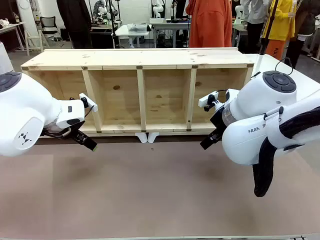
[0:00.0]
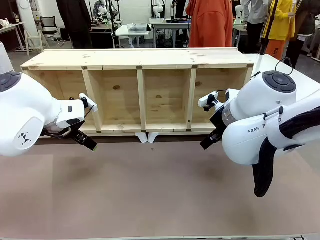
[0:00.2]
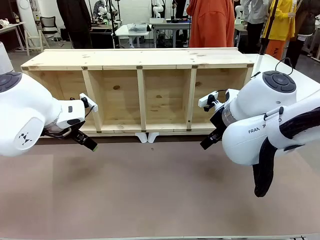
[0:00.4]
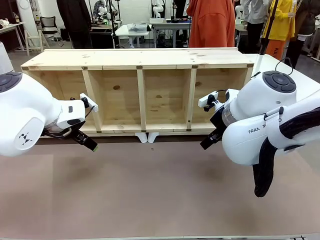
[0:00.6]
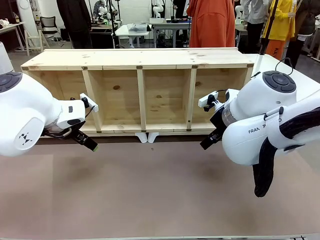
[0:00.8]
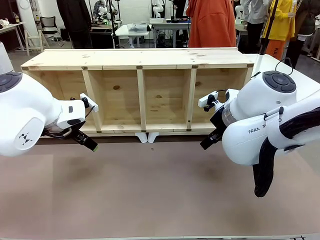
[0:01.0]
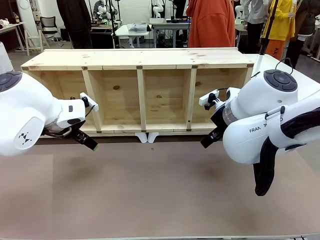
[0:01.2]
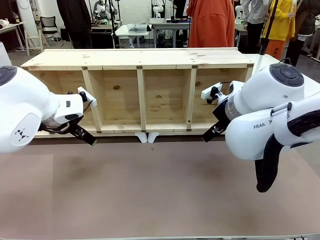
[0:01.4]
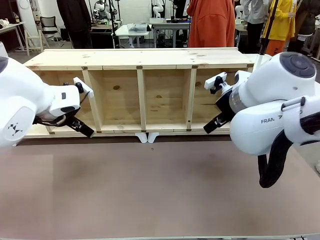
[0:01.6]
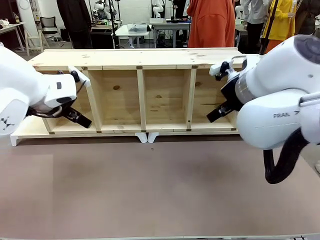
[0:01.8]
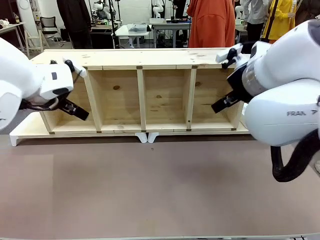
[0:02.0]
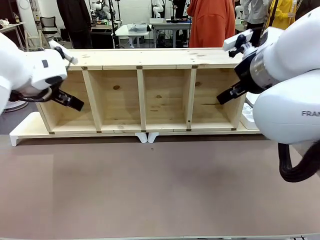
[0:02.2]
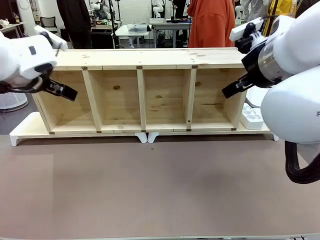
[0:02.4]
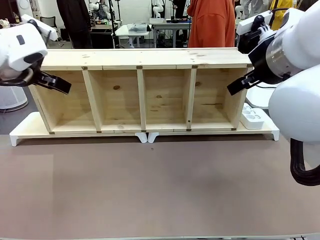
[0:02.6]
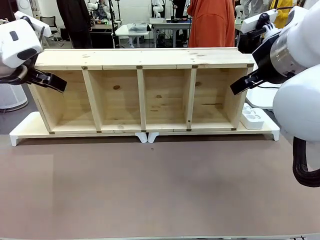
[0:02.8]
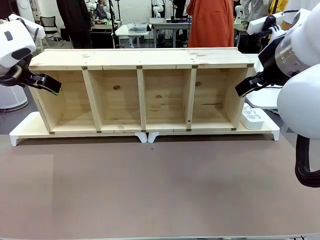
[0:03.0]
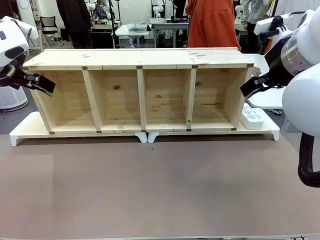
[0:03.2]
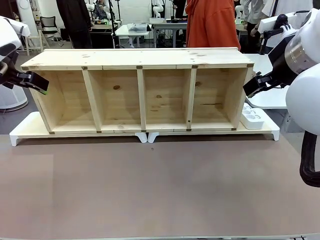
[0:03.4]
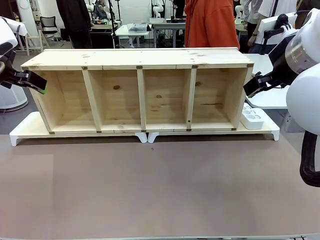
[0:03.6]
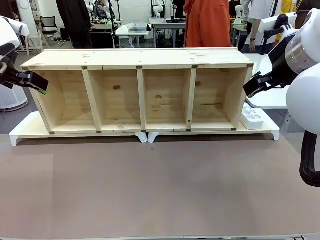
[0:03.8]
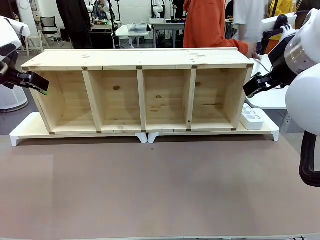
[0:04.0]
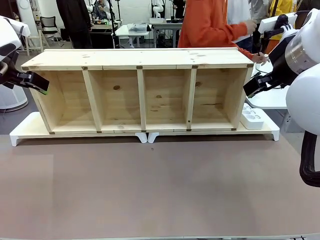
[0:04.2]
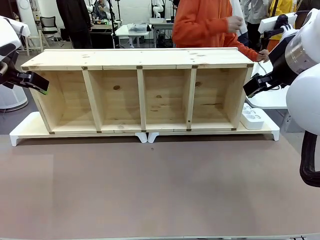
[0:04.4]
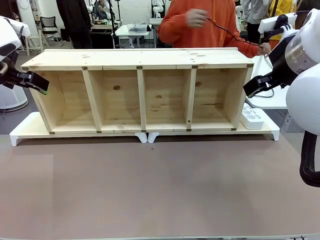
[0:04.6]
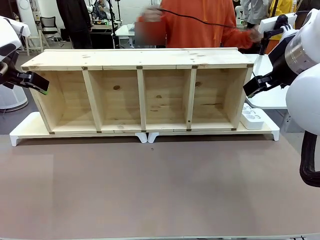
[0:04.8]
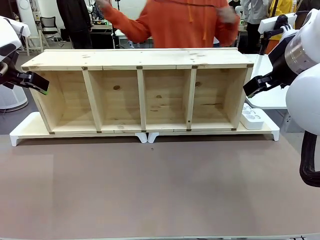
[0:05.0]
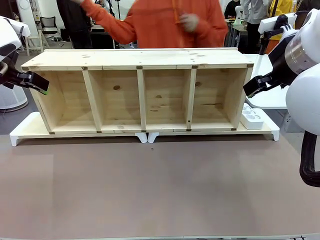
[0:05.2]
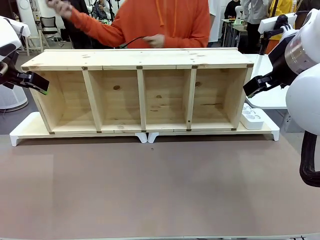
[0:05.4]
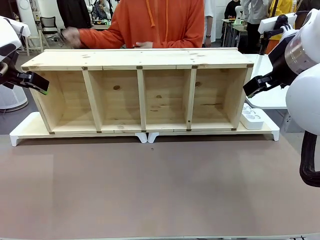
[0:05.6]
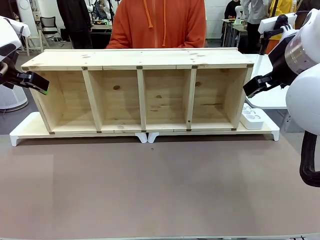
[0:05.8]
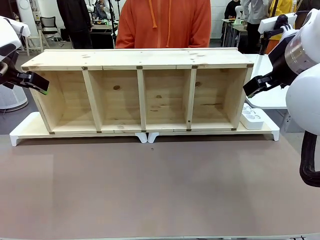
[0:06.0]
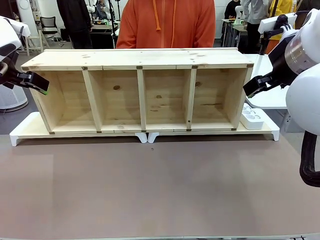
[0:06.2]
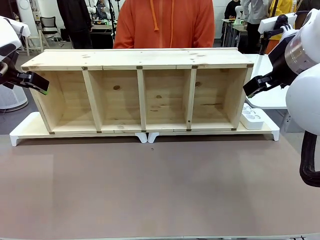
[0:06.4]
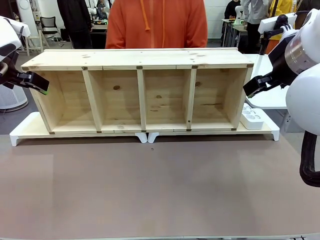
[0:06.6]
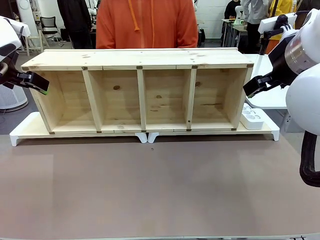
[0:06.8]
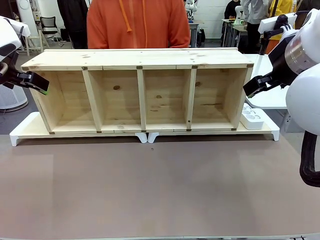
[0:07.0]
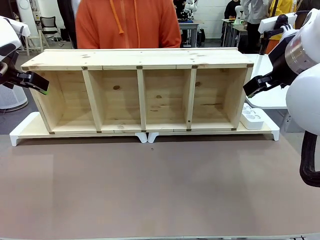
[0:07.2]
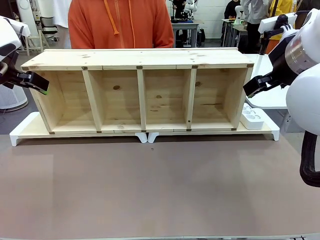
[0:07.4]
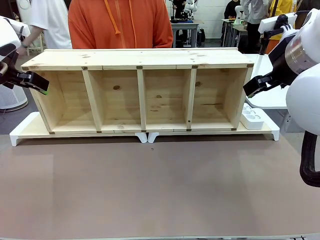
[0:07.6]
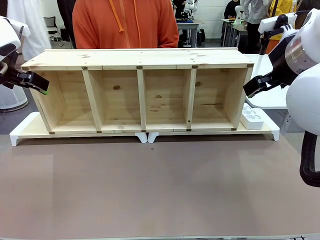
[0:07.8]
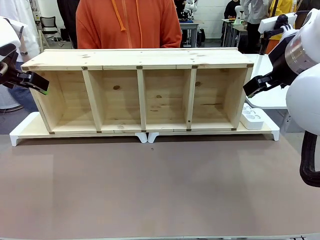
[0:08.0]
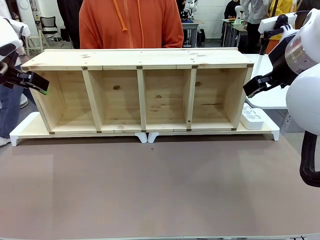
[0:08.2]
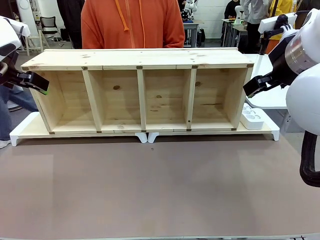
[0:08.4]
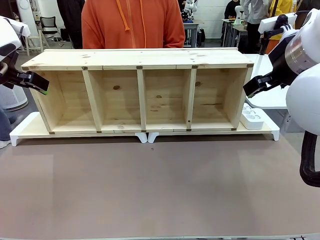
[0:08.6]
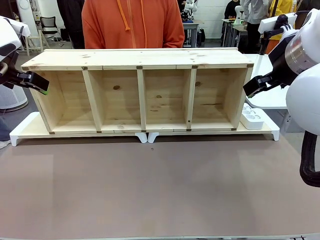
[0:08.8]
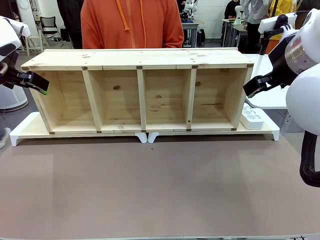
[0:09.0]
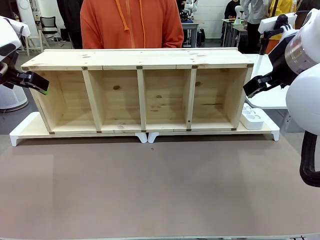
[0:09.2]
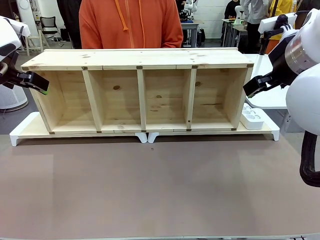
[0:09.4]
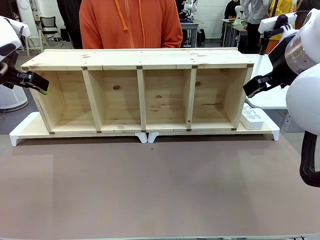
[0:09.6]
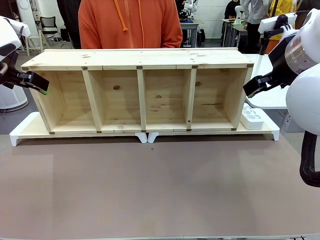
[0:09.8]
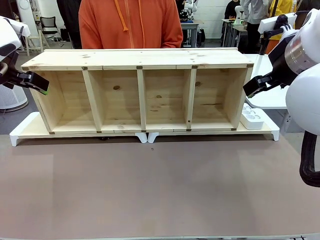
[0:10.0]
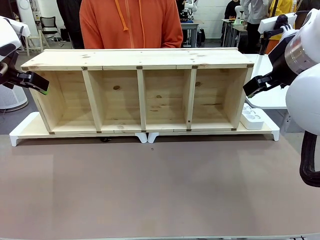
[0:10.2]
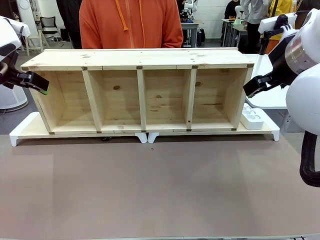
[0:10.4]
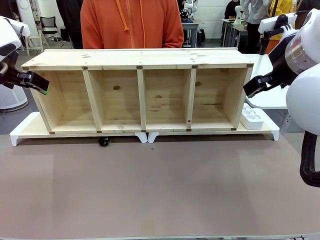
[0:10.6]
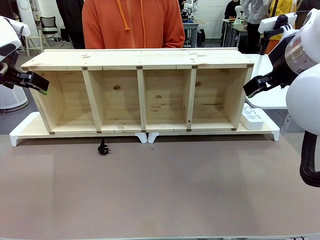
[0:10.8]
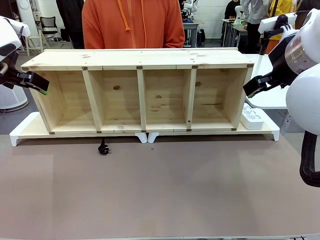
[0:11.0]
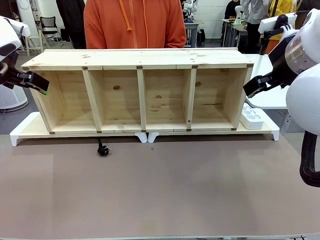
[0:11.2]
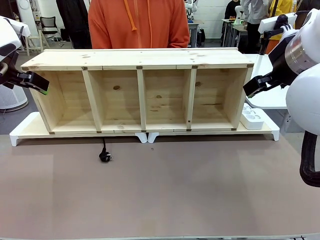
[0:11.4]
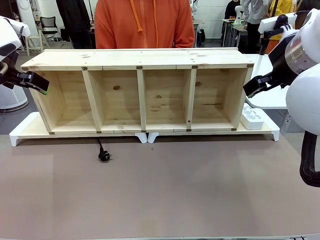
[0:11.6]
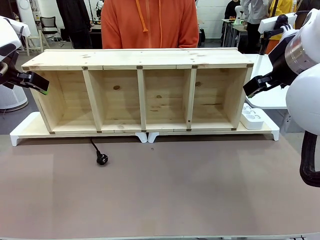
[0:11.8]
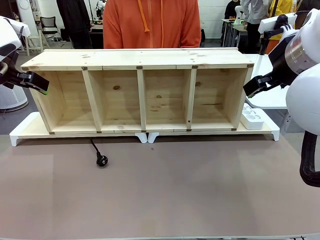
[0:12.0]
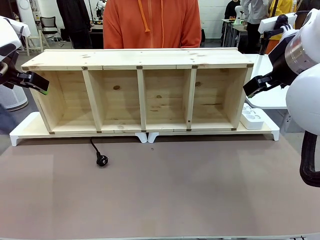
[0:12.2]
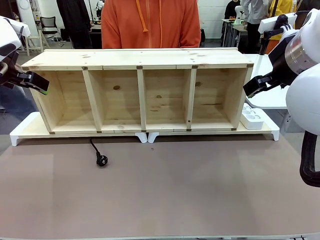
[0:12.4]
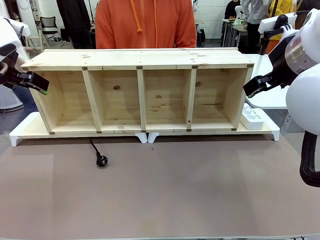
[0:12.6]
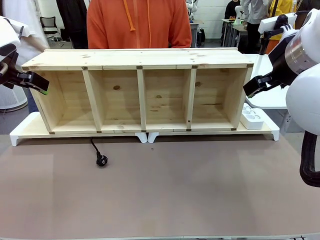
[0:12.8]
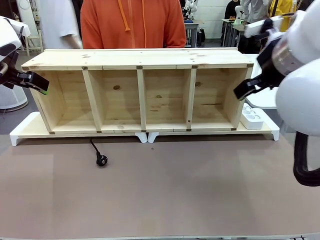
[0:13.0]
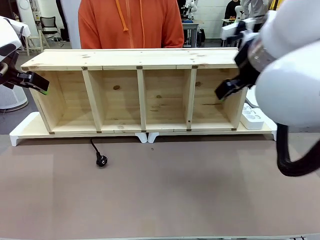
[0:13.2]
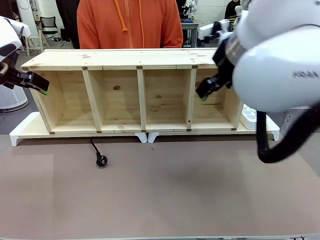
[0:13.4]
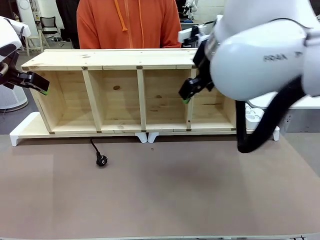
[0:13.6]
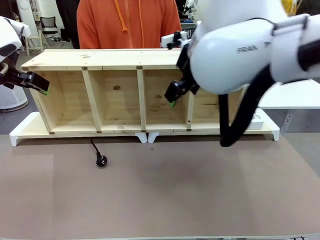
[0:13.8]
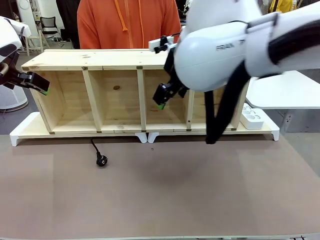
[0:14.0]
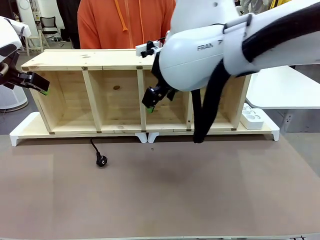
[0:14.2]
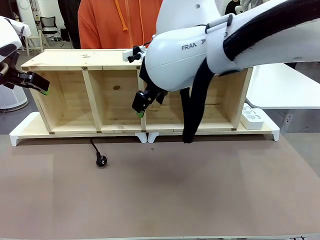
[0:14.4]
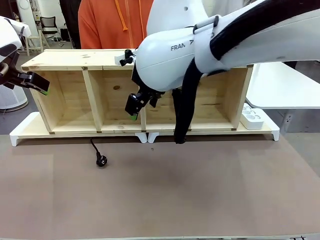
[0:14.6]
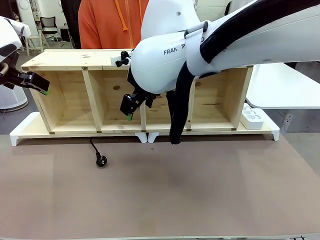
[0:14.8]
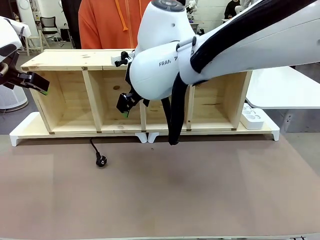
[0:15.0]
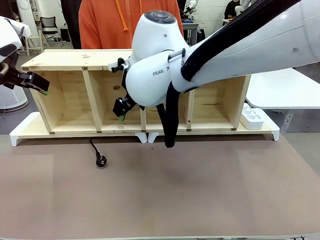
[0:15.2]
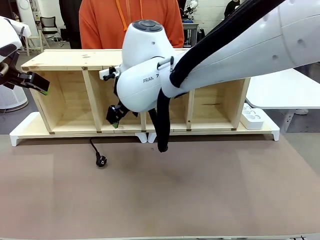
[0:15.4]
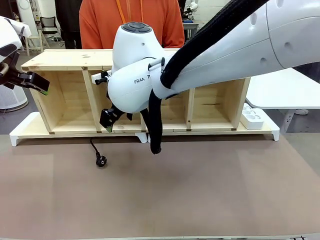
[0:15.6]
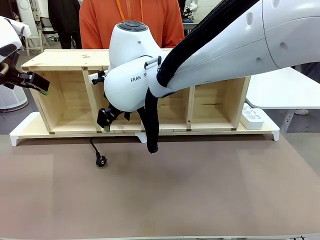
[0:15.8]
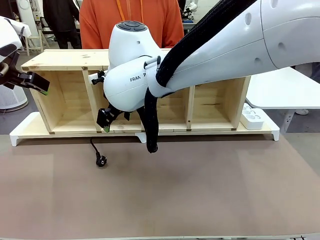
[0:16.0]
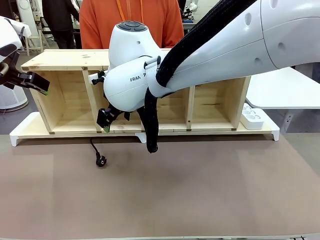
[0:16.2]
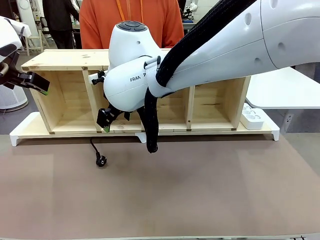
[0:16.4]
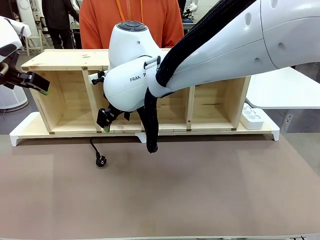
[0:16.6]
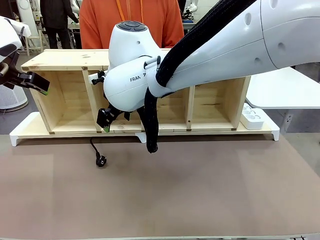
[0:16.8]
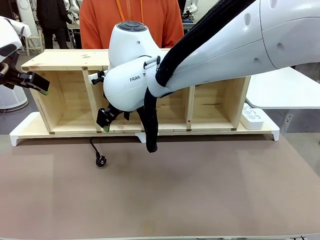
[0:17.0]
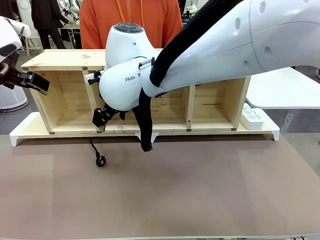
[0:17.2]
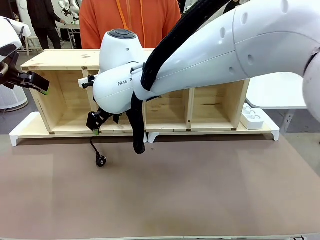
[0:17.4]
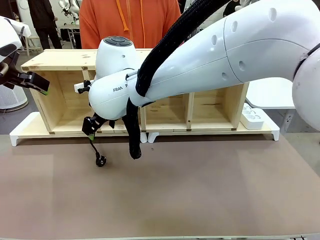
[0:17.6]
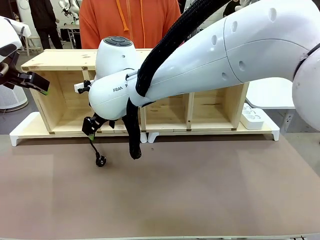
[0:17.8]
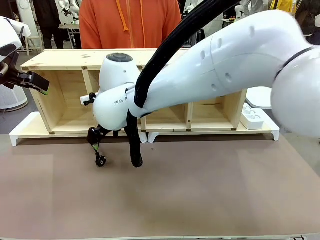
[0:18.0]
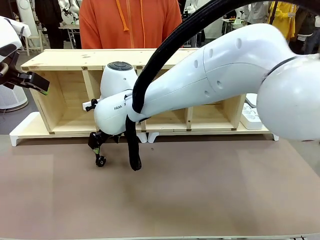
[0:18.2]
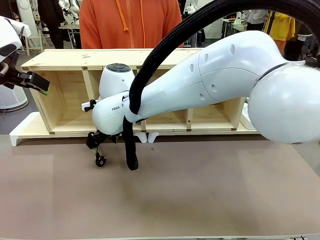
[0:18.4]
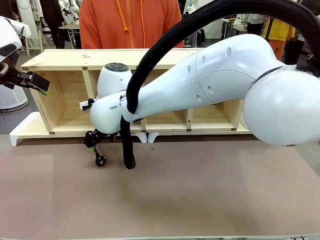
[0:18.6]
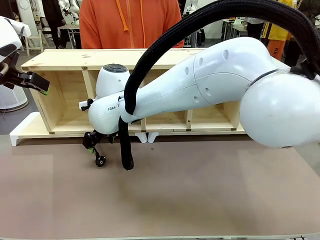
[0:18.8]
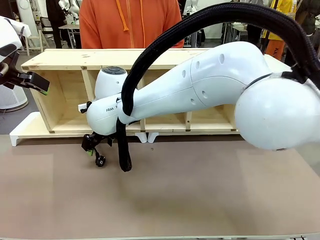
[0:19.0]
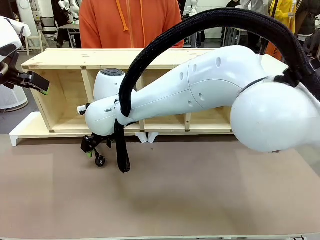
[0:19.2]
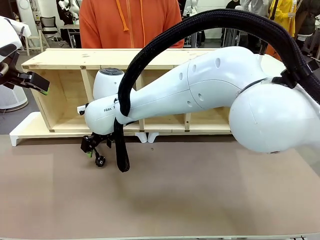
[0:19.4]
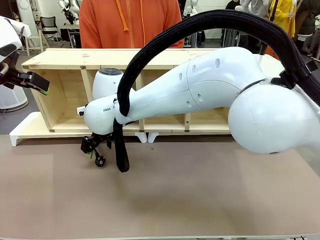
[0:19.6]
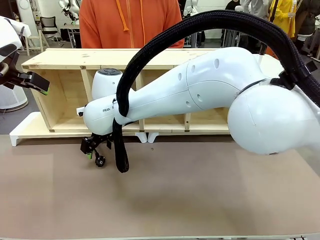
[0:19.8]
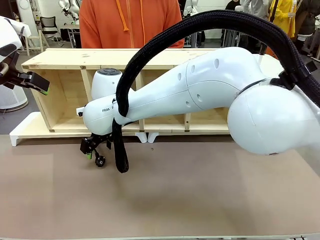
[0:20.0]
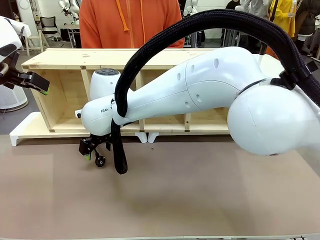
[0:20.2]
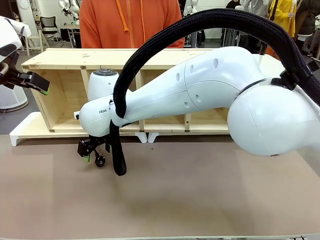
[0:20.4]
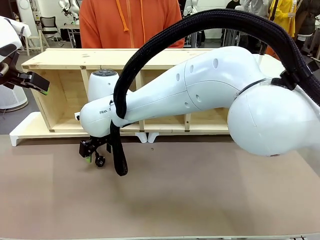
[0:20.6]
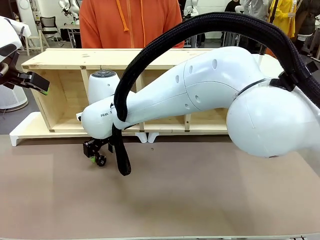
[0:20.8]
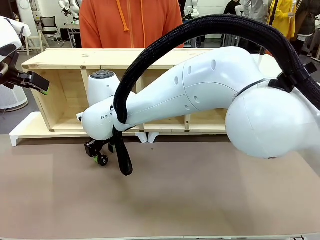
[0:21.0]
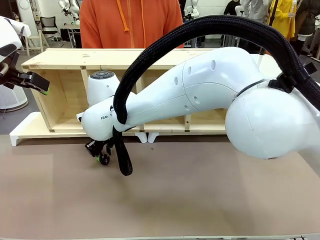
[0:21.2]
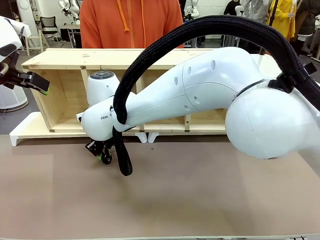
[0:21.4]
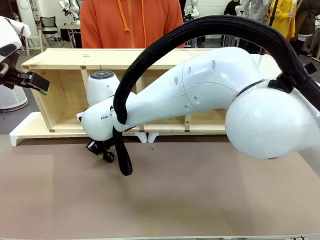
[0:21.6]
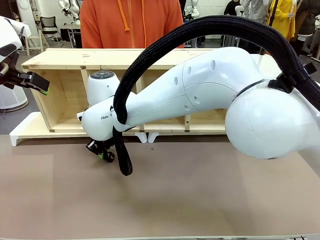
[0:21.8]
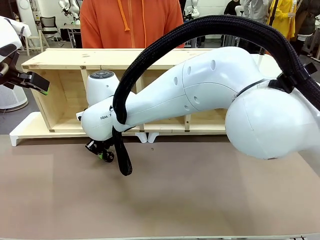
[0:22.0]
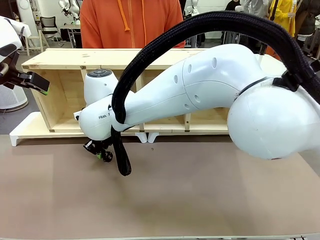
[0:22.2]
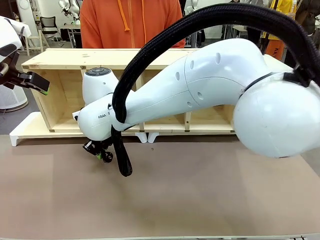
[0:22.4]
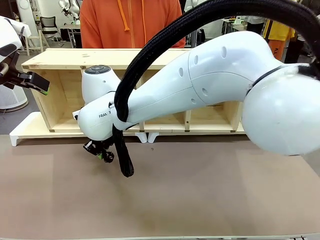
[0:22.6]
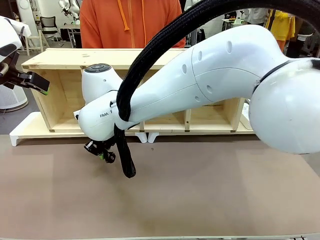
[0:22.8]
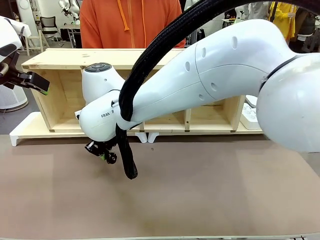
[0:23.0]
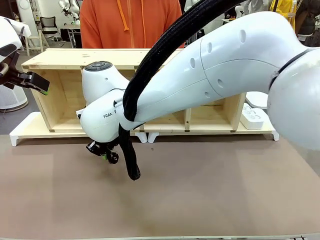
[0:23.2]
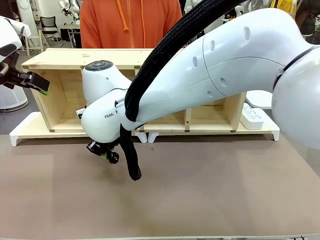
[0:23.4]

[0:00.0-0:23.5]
Task: Perform cable management.
Robot: When the cord part of the Power Cable appears at the lower middle area of the table and stops, grasp the cord part of the Power Cable.
Person: Pass the Power Cable under the Serving Table.
